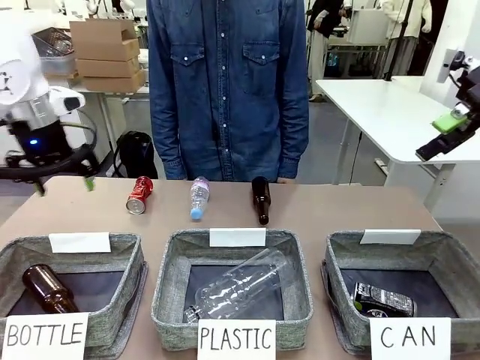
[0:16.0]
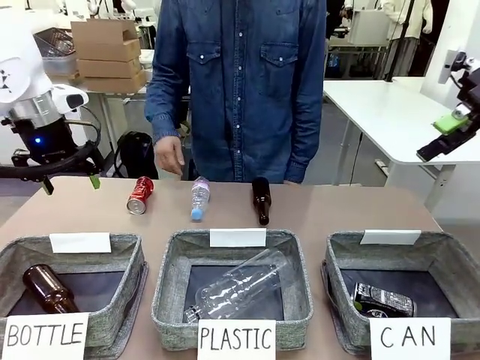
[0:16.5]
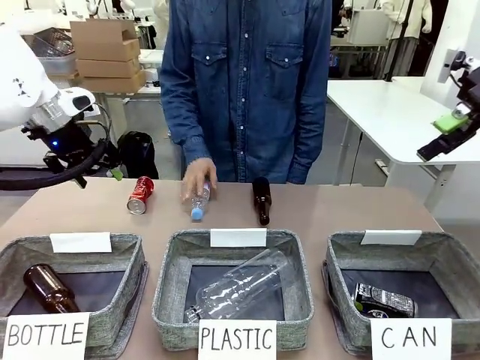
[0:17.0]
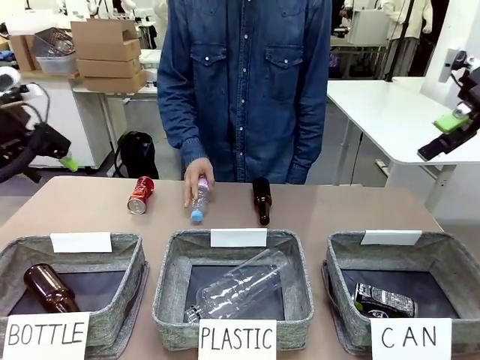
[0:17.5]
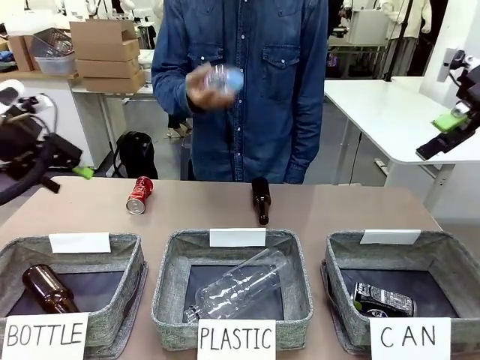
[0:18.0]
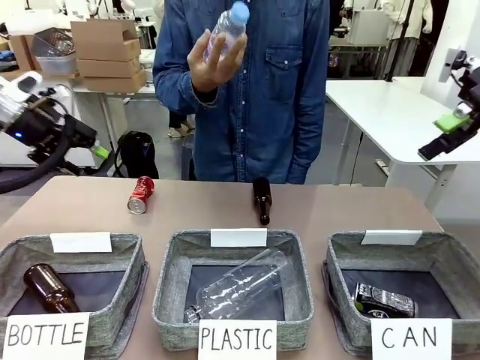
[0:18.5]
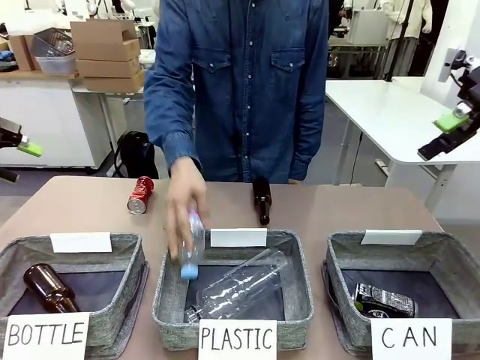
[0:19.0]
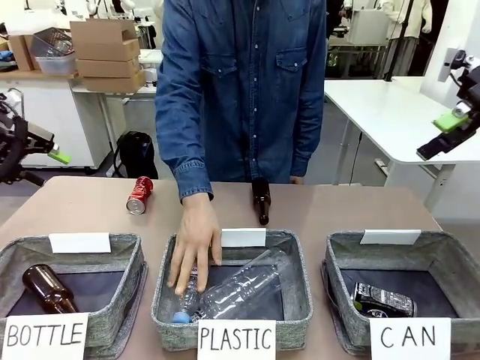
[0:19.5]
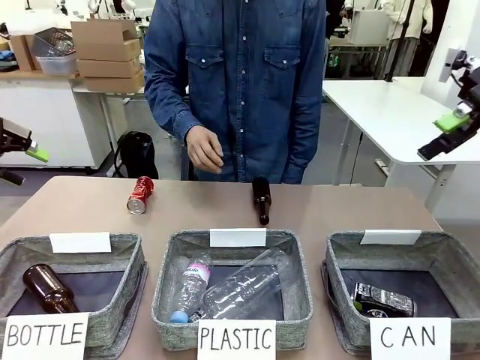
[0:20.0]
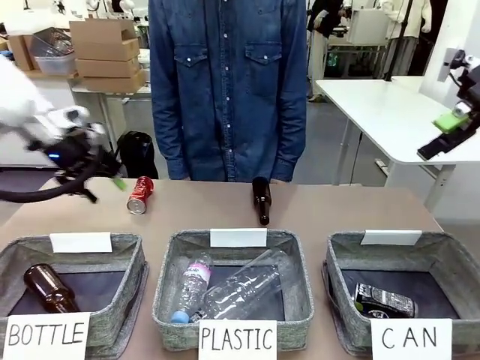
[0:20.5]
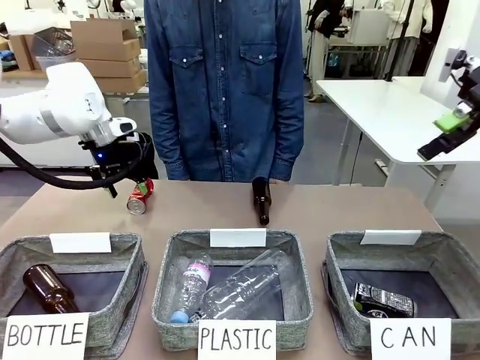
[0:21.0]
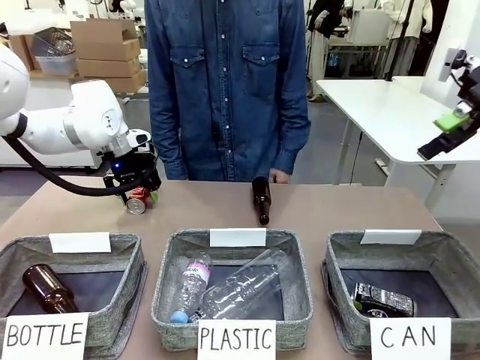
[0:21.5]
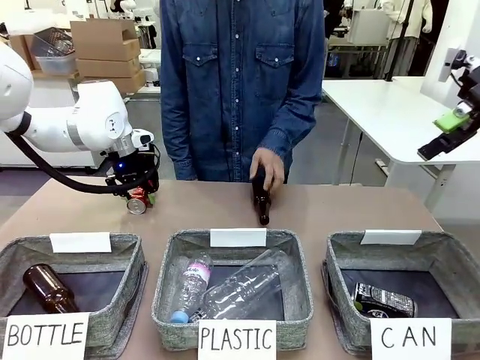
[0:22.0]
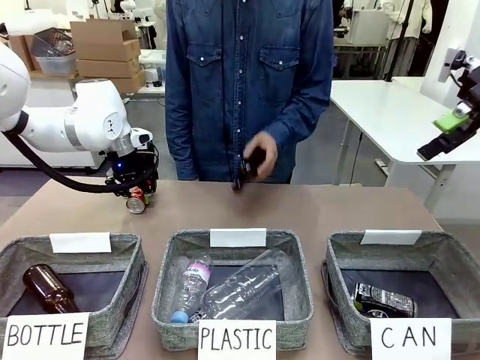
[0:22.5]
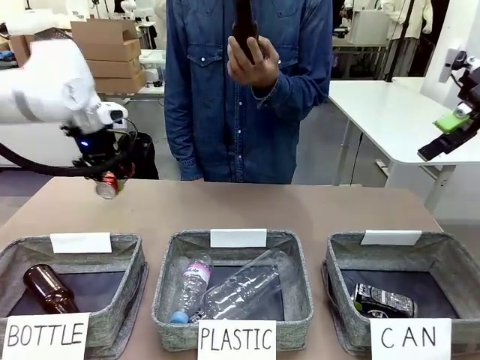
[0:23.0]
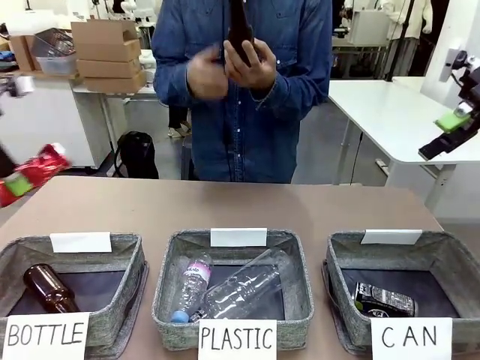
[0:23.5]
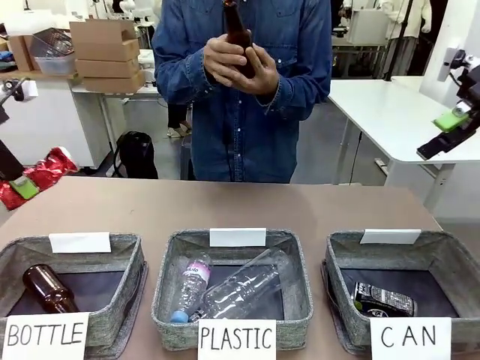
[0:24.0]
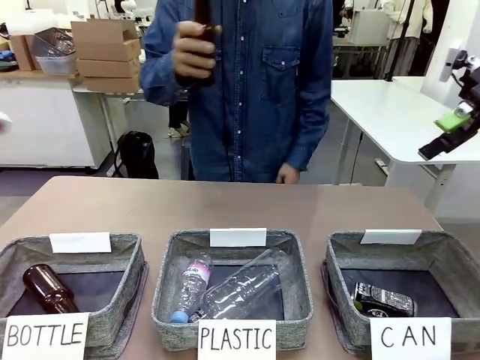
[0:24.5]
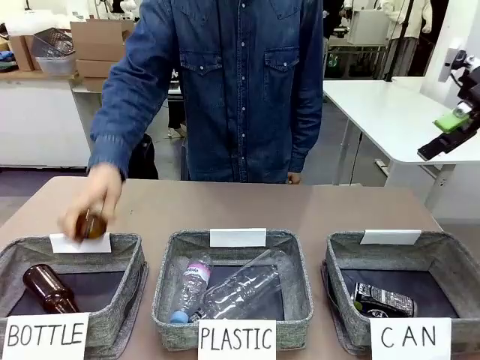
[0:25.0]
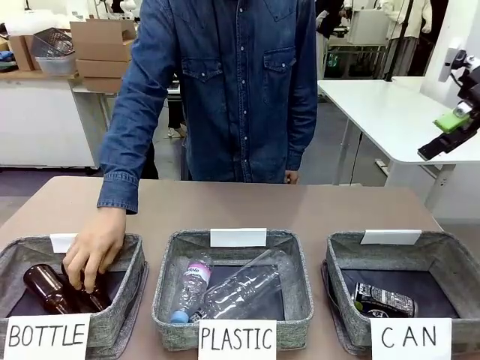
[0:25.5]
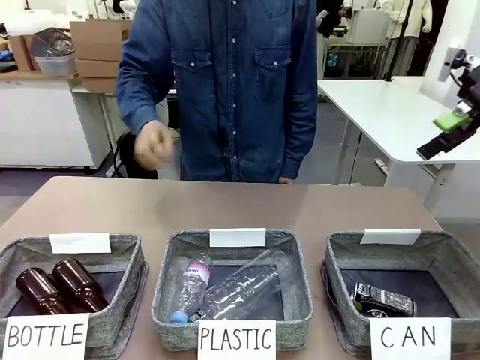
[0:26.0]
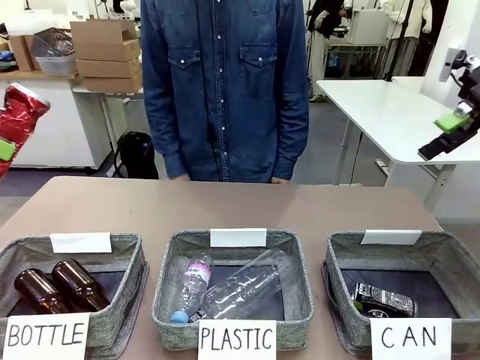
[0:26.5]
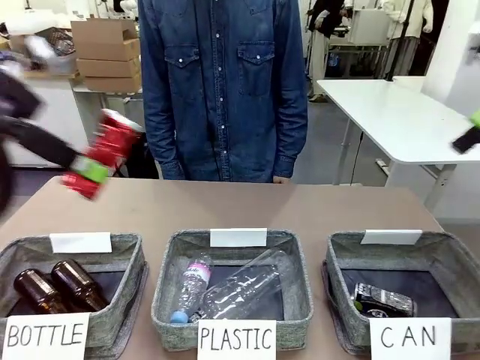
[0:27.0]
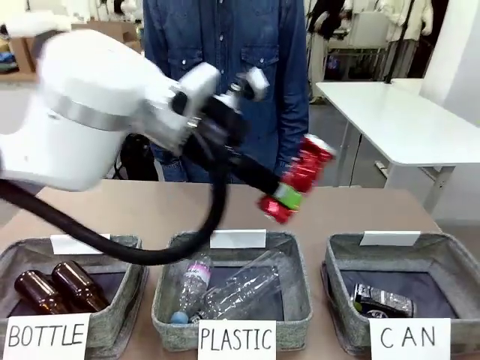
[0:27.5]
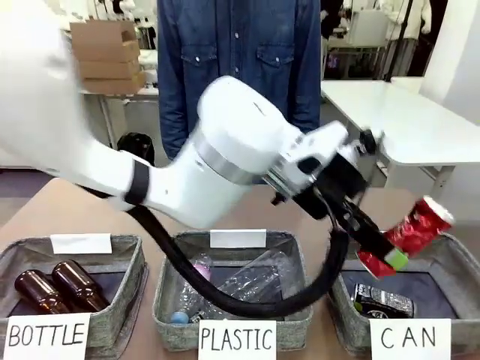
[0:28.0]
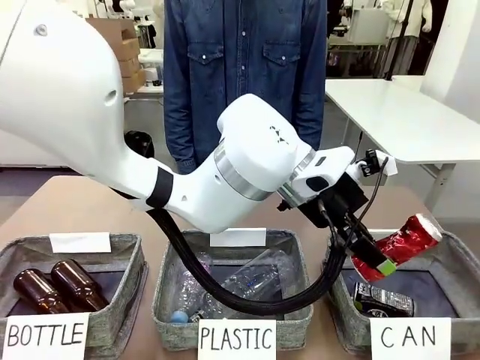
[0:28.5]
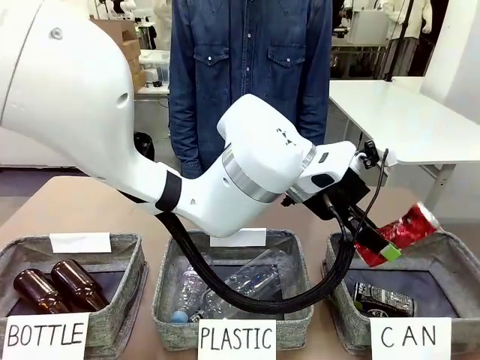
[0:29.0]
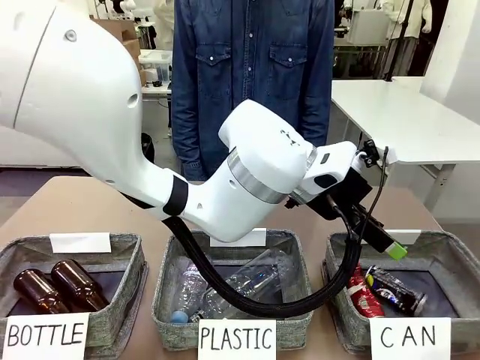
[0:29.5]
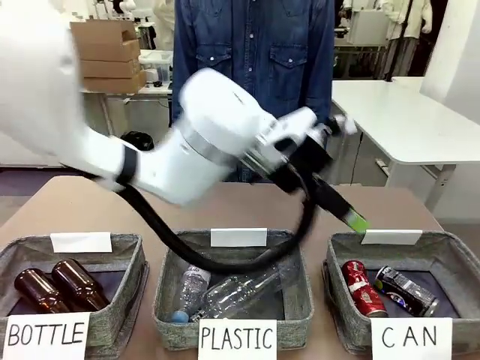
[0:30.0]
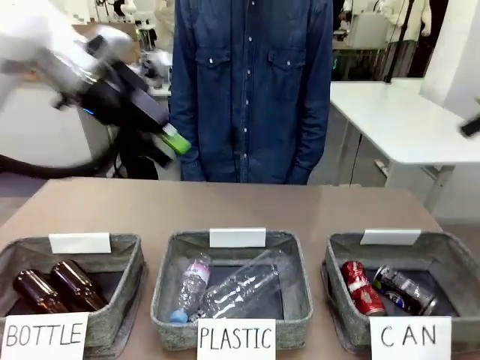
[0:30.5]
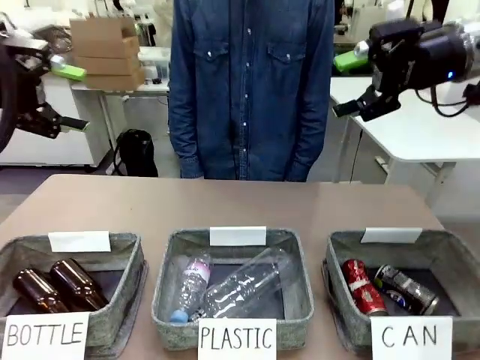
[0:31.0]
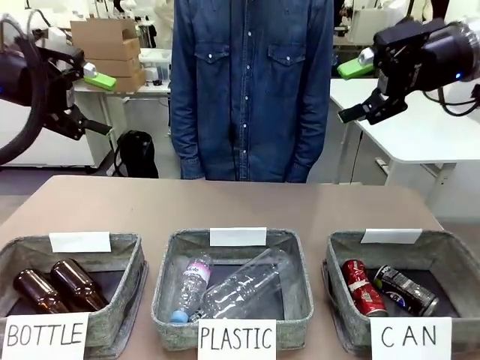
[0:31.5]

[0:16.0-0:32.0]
Task: Sort the can waste into the basket.
Robot: Pick up the can waste from the table and place it in the right Fabric basket.
